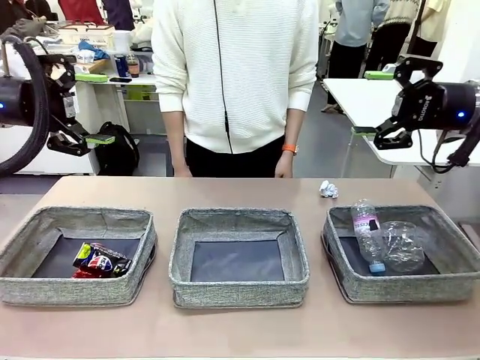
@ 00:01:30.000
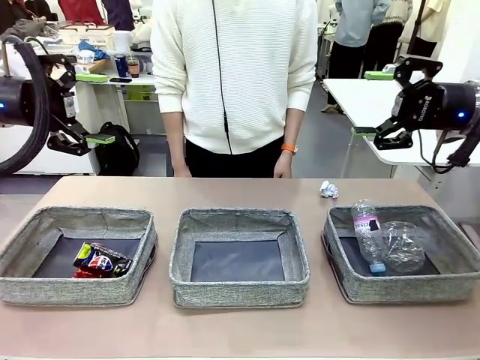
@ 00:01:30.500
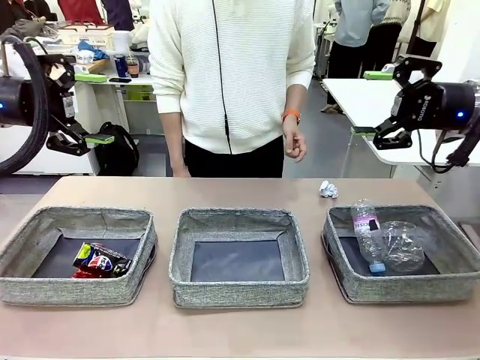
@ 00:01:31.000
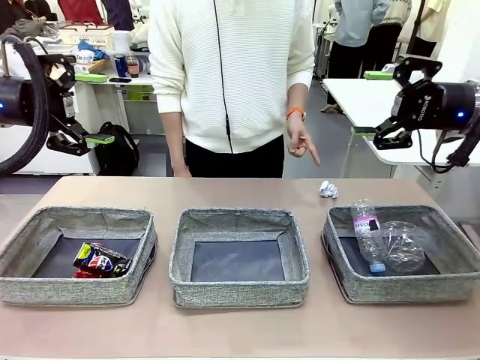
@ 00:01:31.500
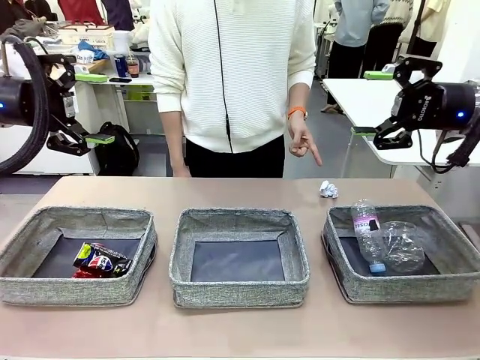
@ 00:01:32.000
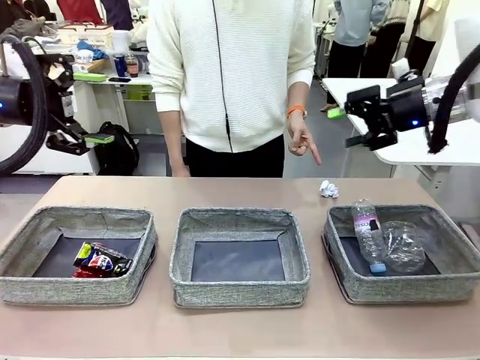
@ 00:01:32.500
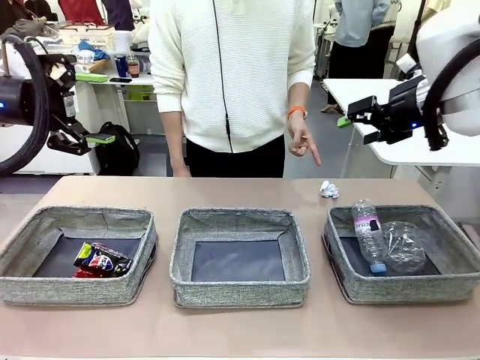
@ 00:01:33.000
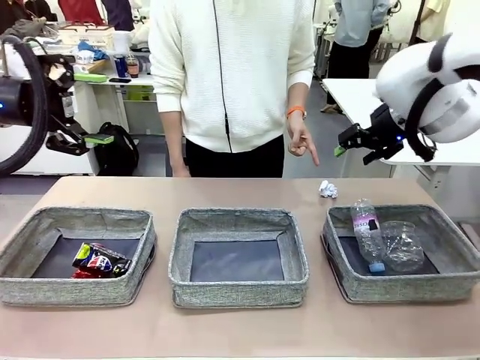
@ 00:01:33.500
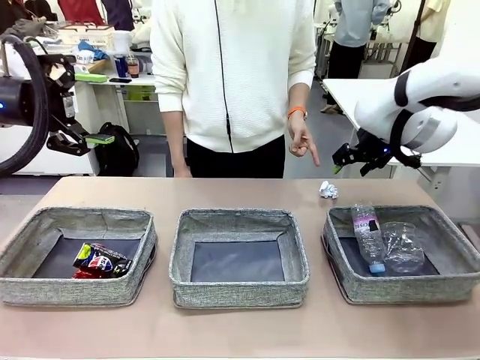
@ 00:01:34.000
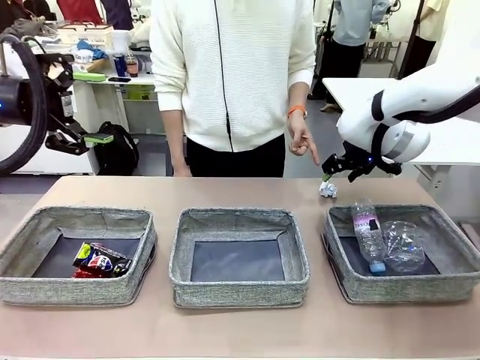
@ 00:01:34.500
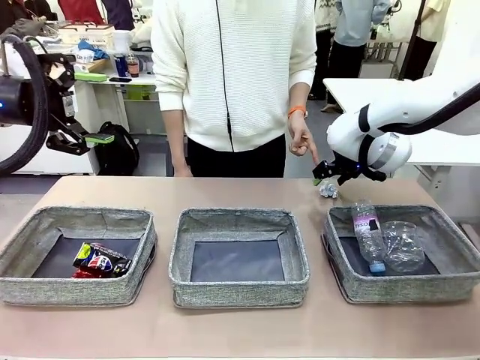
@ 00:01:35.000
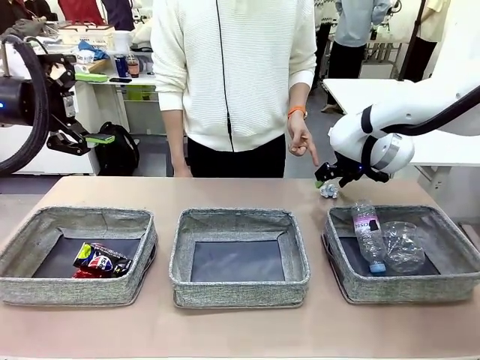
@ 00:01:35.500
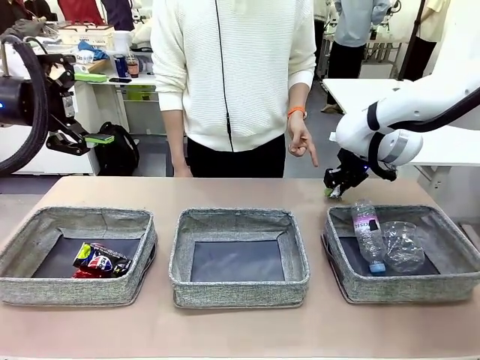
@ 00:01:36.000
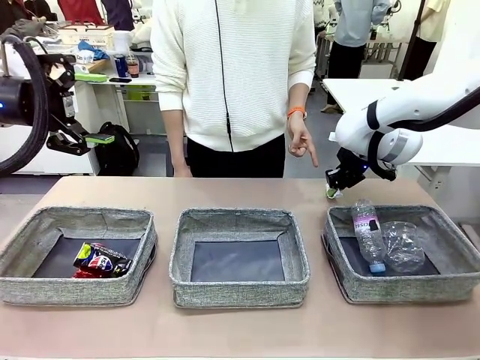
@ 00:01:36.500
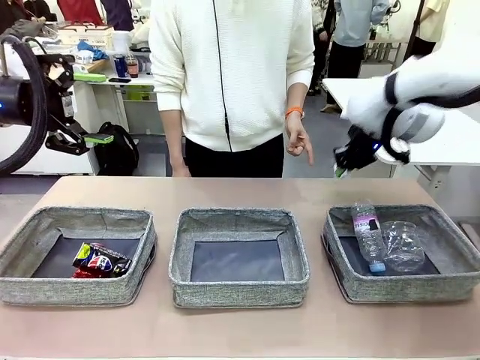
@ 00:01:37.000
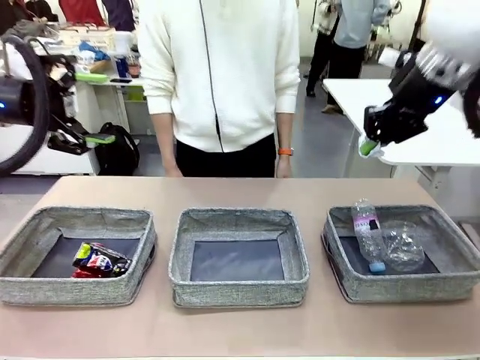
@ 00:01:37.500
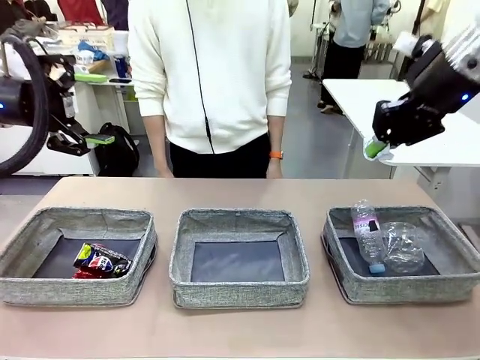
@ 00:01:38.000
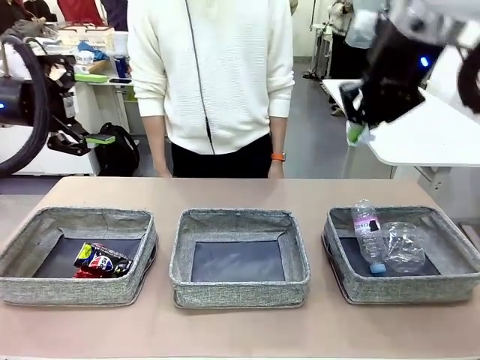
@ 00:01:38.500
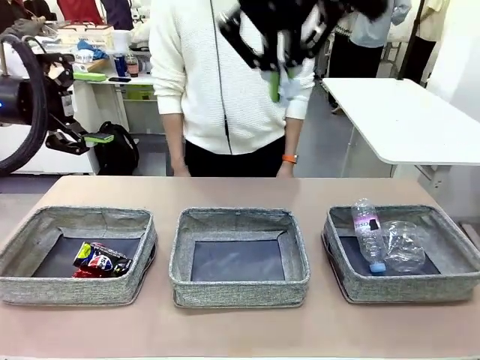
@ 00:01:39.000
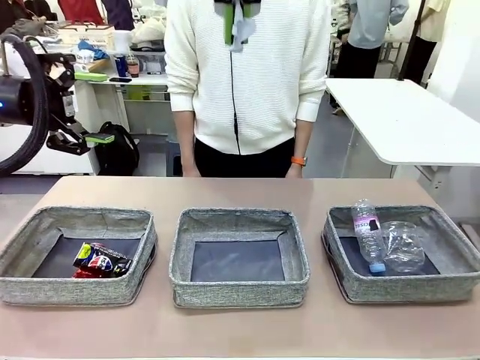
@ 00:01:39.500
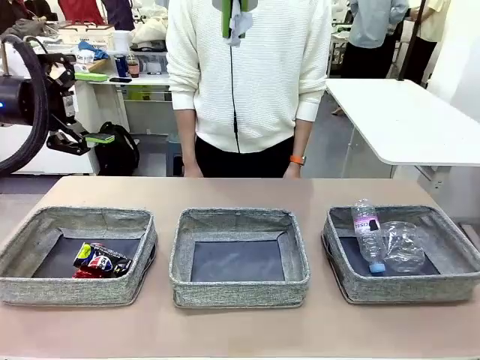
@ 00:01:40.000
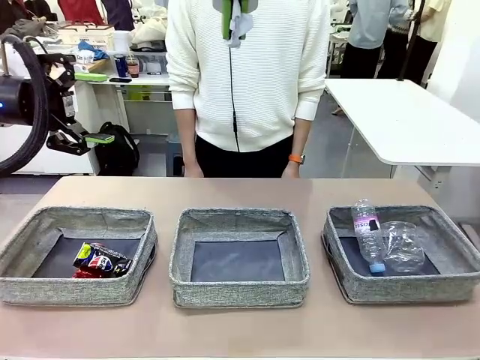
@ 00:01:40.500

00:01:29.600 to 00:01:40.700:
Task: Sort the waste into the appropriate baskets.
Robot: Pick up the waste item pointed out by the person.
Person: Points to one piece of trash on the table.

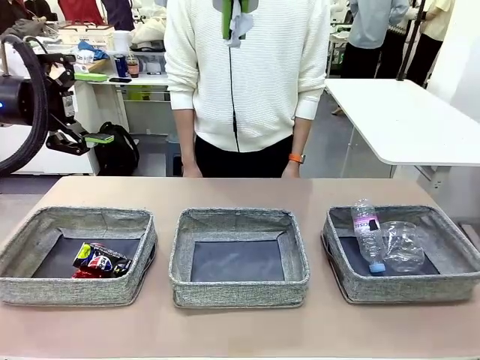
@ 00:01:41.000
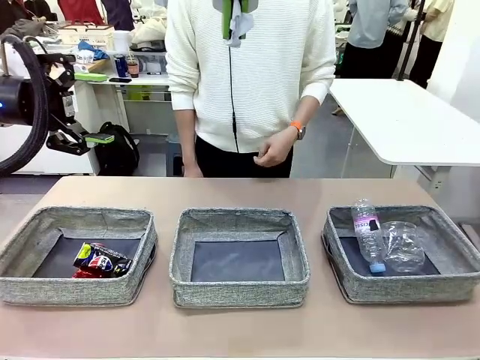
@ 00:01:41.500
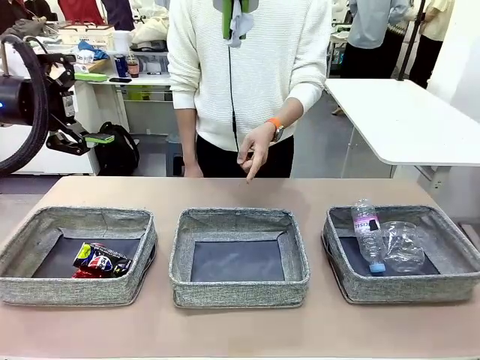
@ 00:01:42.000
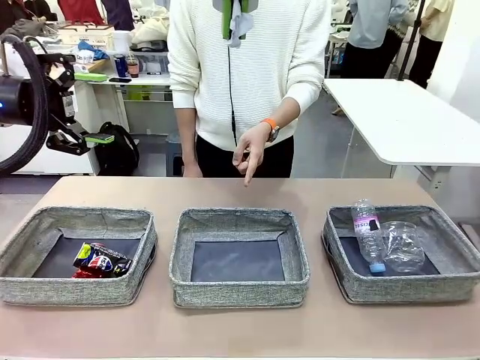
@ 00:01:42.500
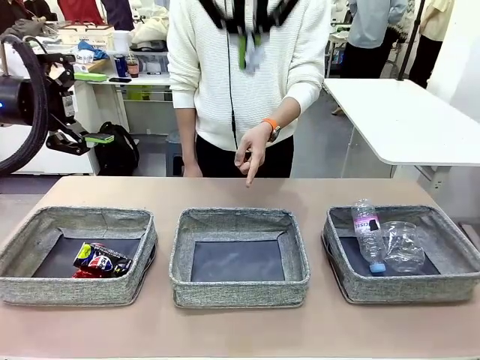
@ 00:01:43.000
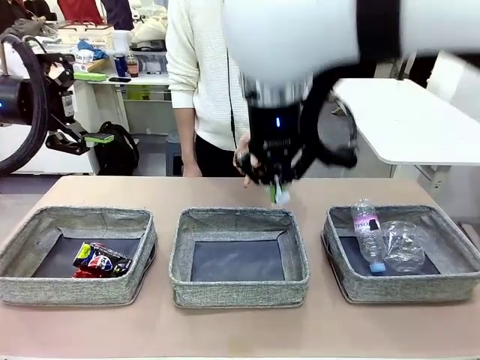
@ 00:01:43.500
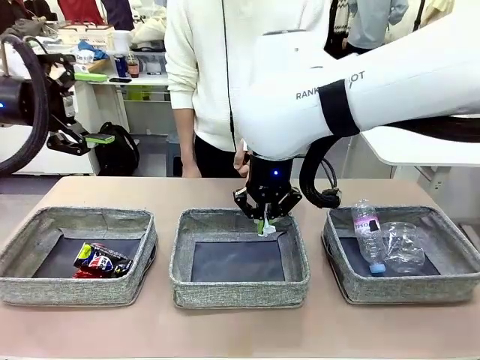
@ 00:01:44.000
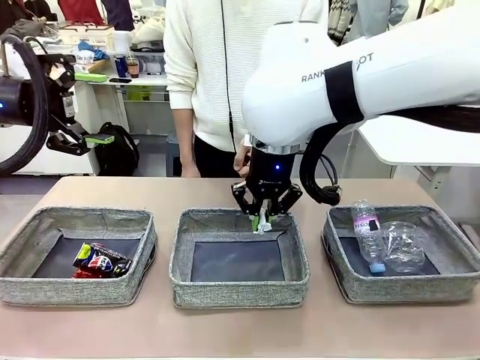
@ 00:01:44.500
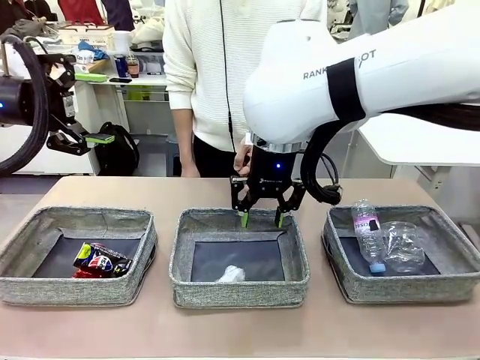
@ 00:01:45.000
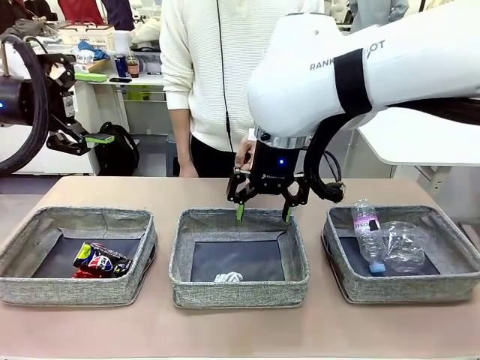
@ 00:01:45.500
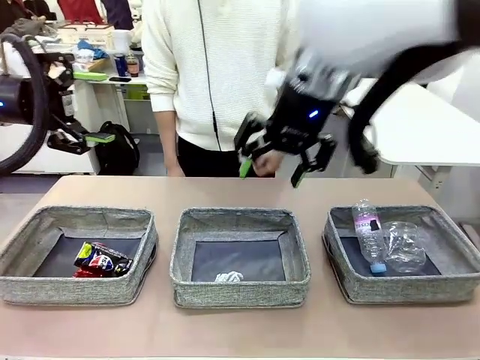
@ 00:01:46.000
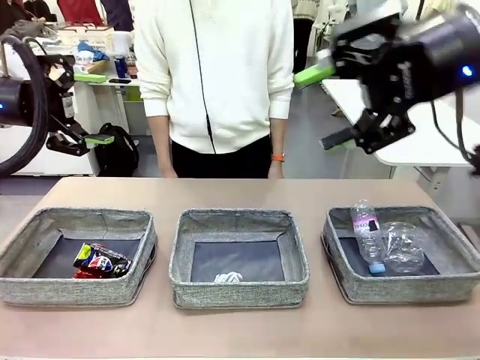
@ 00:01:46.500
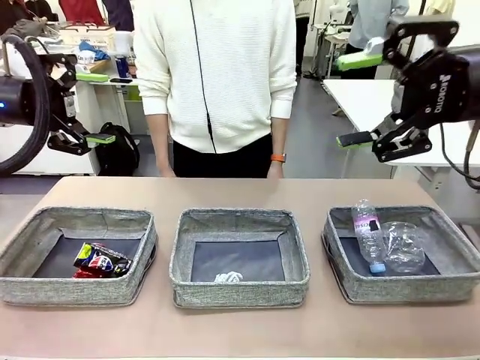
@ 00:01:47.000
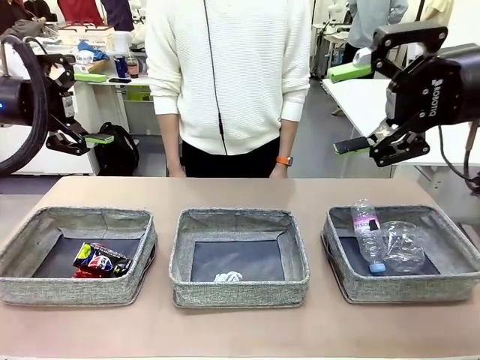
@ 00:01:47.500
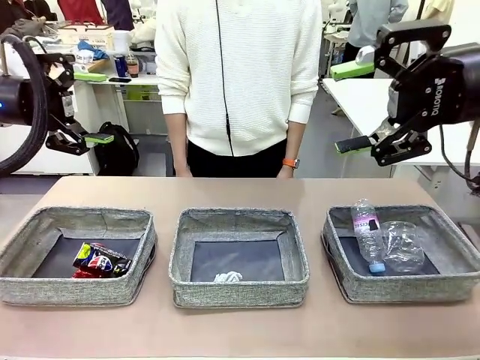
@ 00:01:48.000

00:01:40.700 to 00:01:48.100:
Robot: Place the picked waste into the Fabric basket indicated by the person.
Person: Instructs the robot to place the picked-up trash into the appropriate organizing basket.

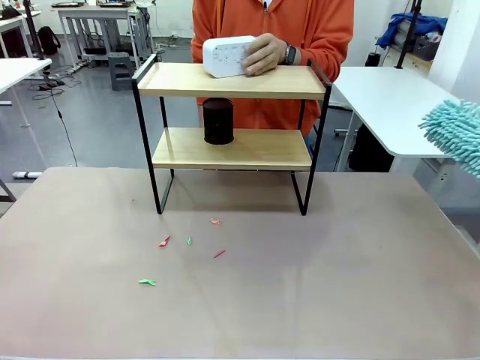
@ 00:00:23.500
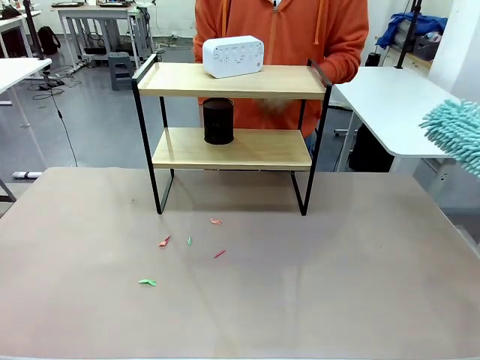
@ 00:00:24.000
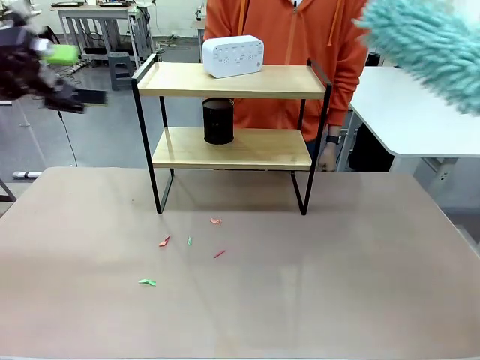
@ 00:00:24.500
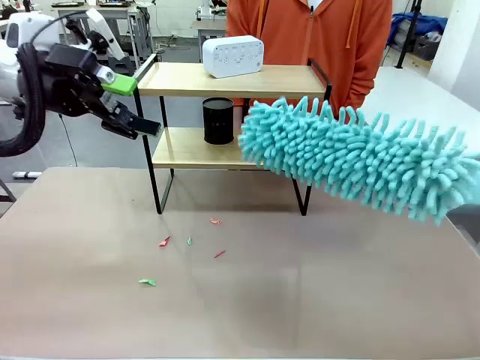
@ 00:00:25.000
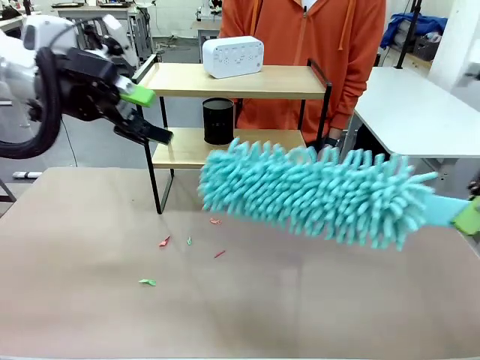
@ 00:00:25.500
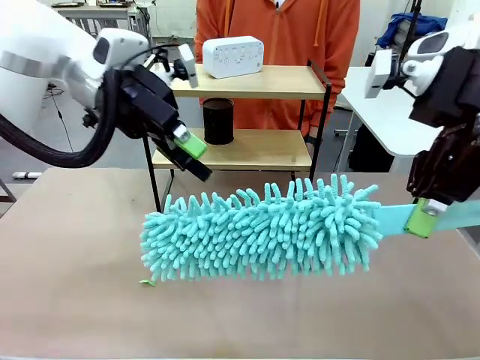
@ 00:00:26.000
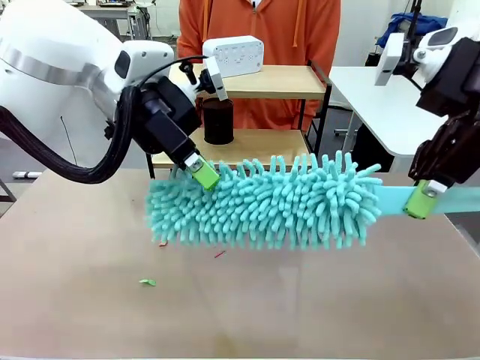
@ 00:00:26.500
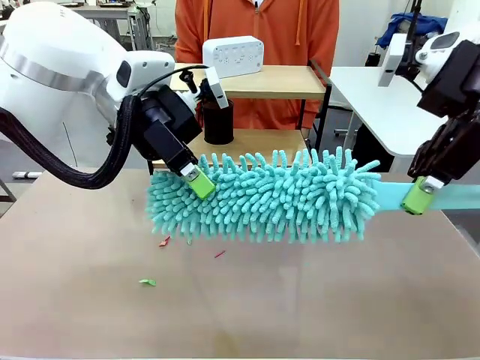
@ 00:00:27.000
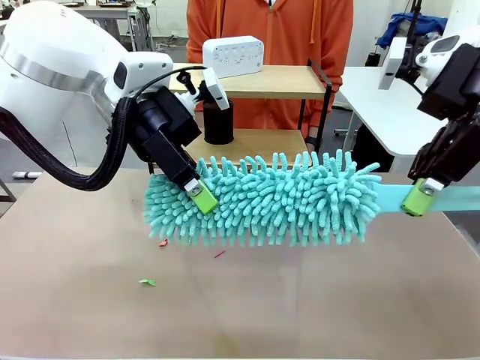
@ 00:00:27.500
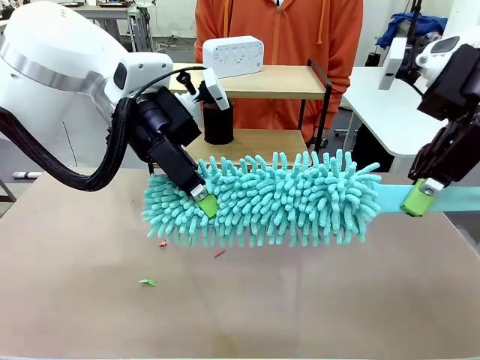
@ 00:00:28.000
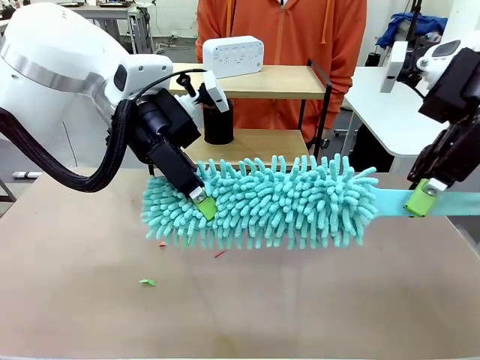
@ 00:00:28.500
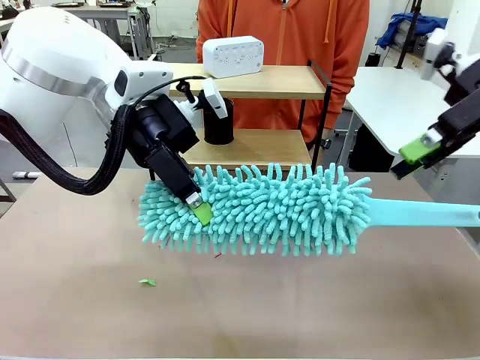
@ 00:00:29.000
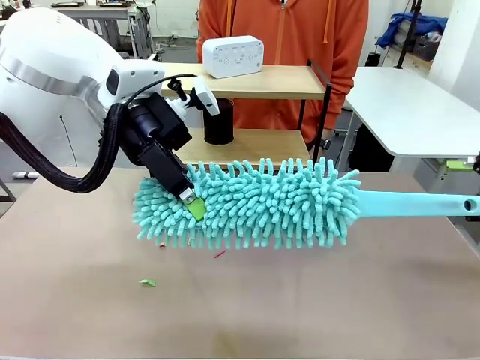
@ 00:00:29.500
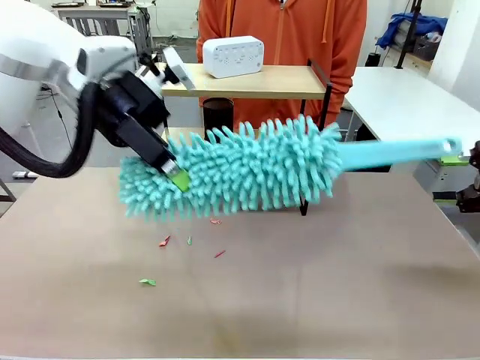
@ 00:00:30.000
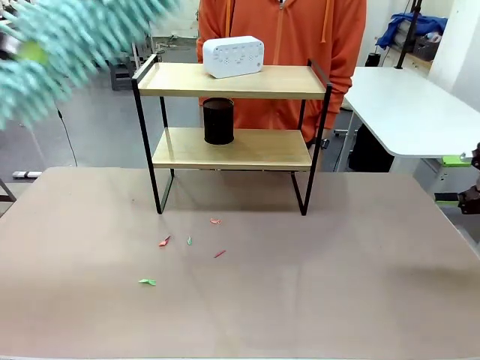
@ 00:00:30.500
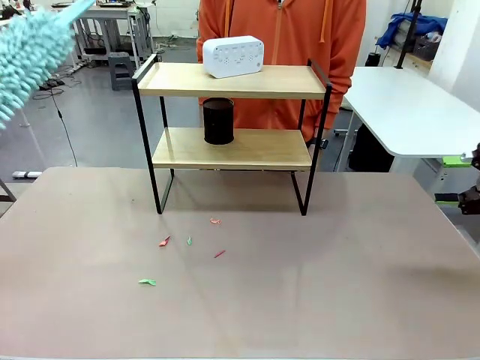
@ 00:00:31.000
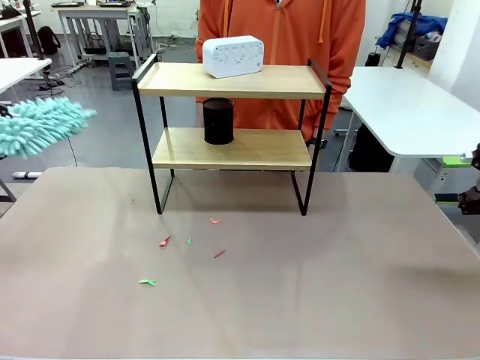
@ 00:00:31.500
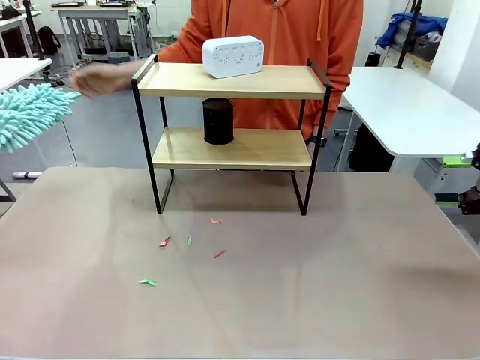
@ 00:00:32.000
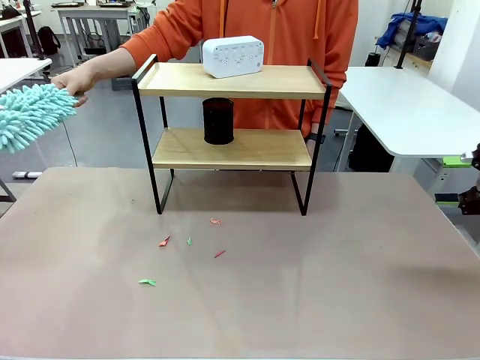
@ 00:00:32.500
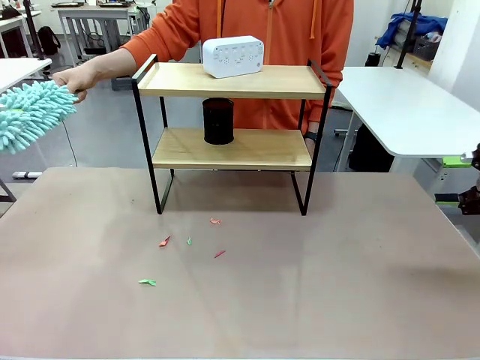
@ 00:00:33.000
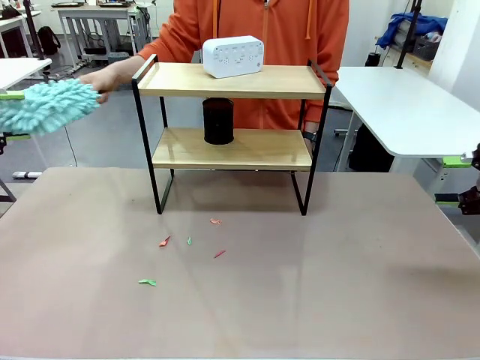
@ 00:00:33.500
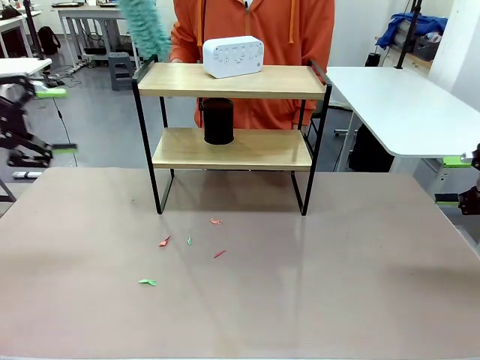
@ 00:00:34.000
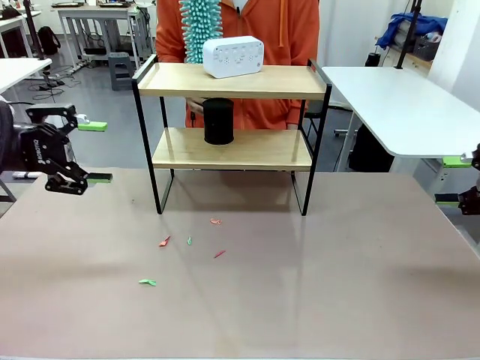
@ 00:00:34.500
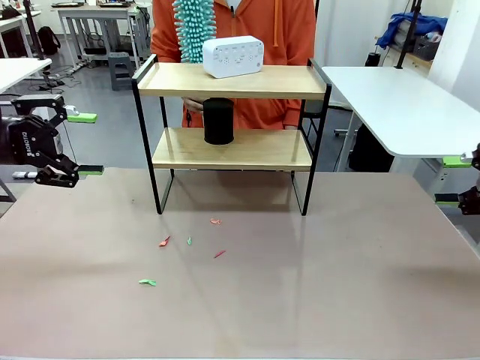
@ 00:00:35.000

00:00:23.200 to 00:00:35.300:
Task: Clean the shelf.
Robot: Hand the Duster back to the human.
Person: Receive the Duster from the robot.
